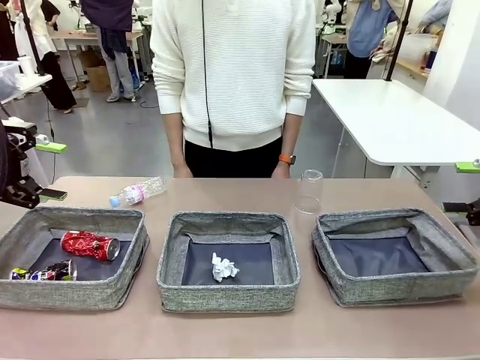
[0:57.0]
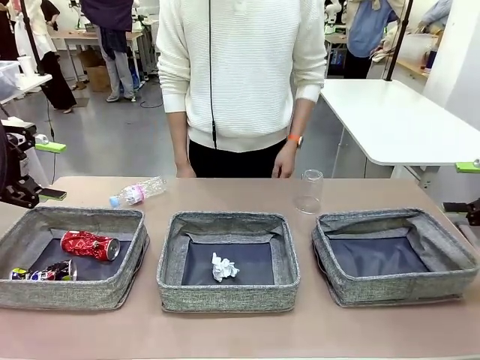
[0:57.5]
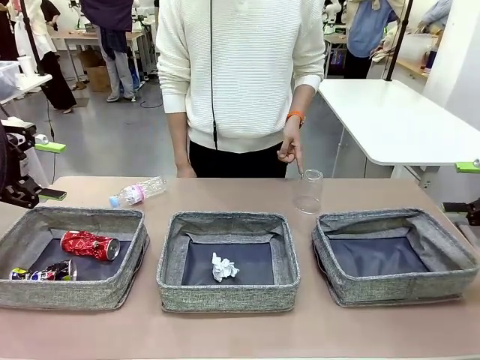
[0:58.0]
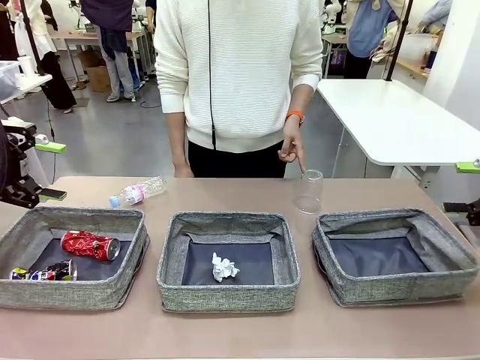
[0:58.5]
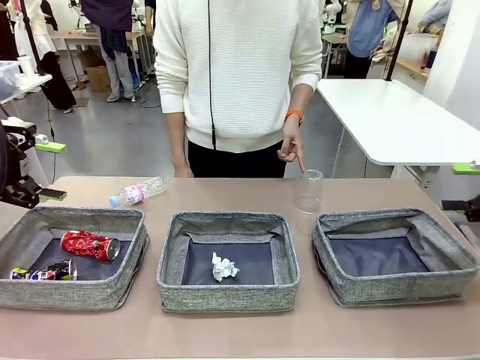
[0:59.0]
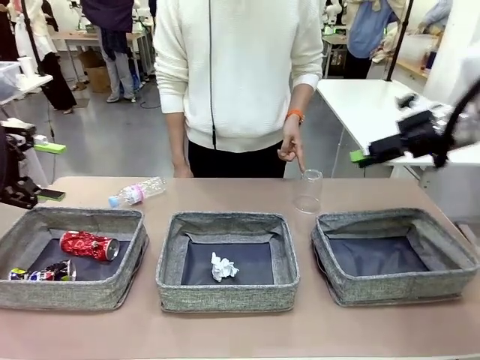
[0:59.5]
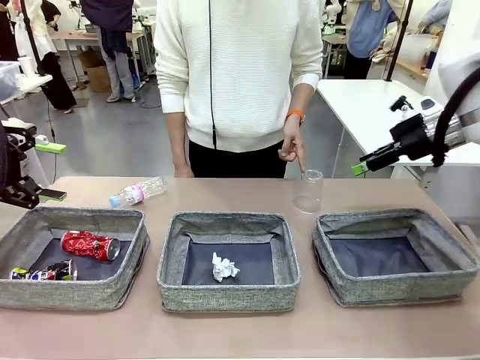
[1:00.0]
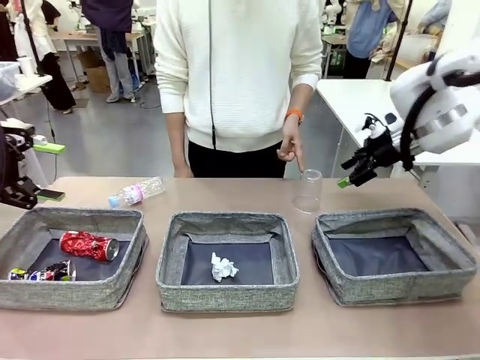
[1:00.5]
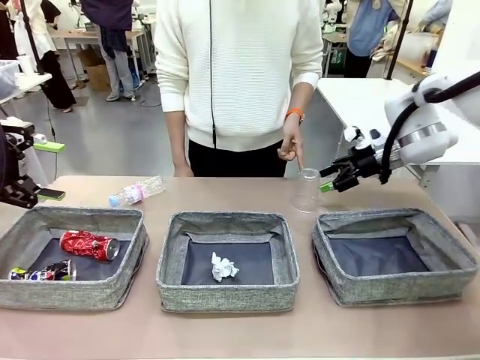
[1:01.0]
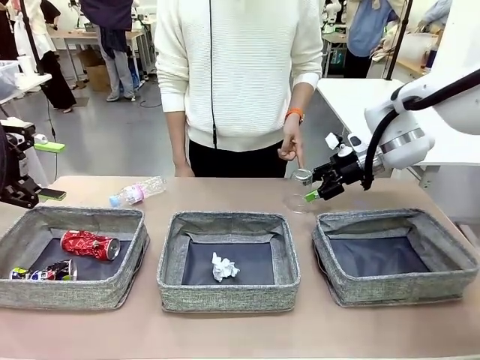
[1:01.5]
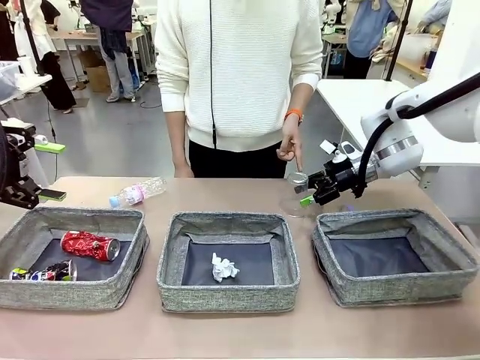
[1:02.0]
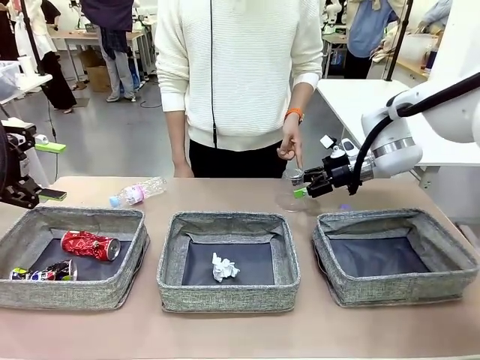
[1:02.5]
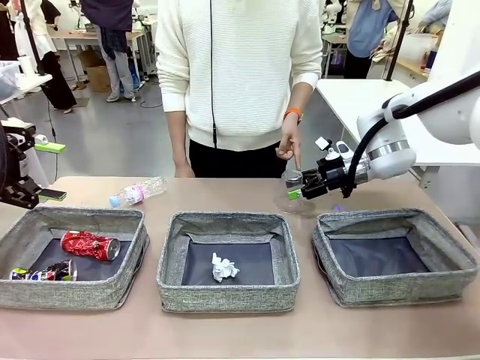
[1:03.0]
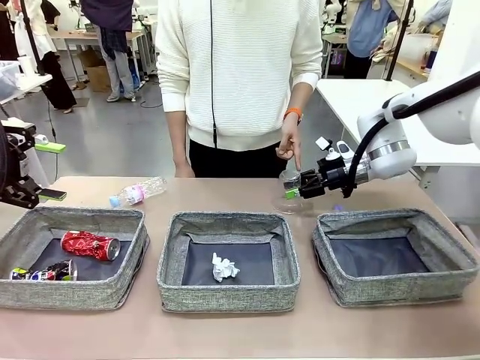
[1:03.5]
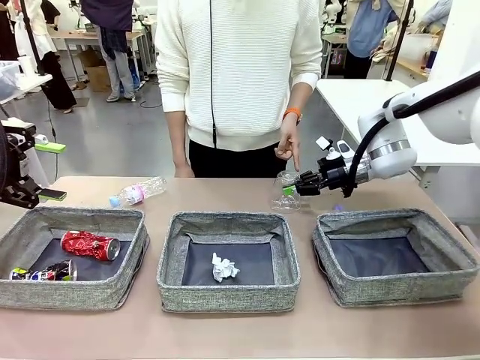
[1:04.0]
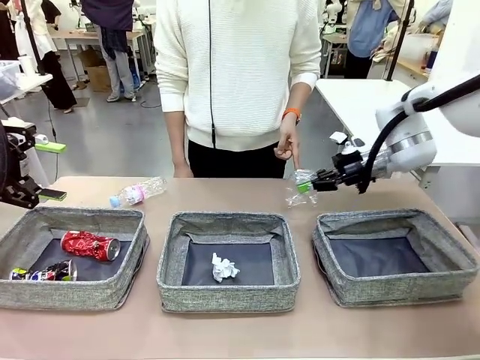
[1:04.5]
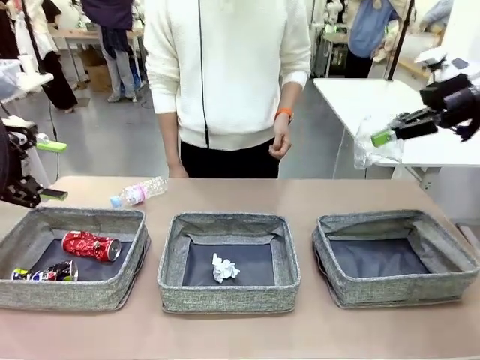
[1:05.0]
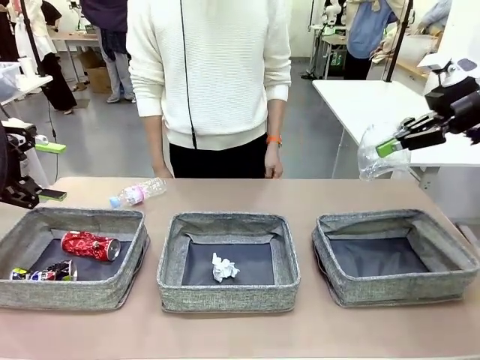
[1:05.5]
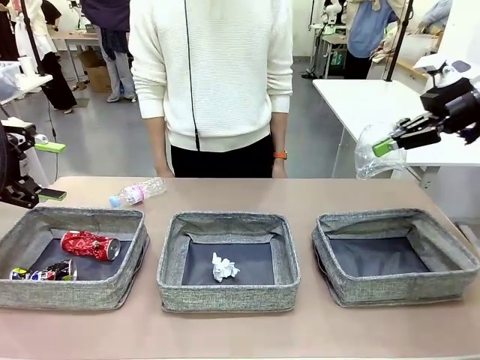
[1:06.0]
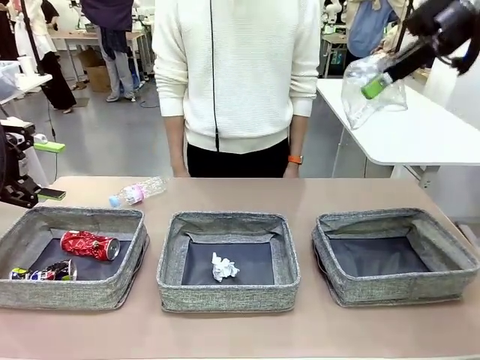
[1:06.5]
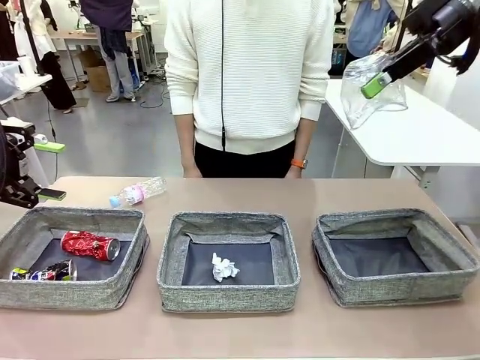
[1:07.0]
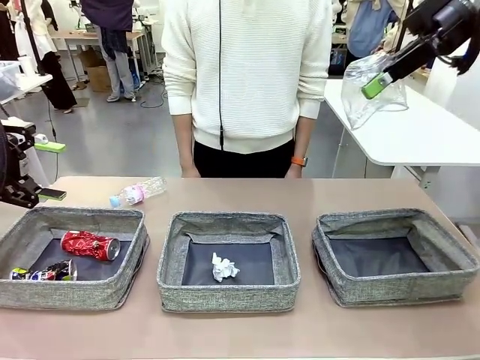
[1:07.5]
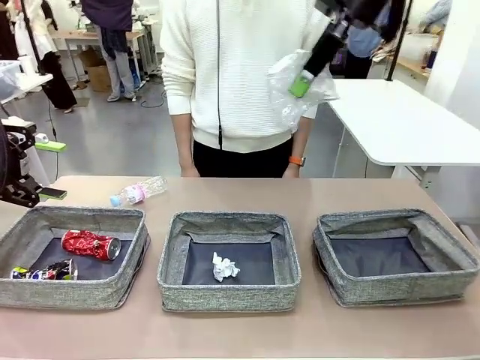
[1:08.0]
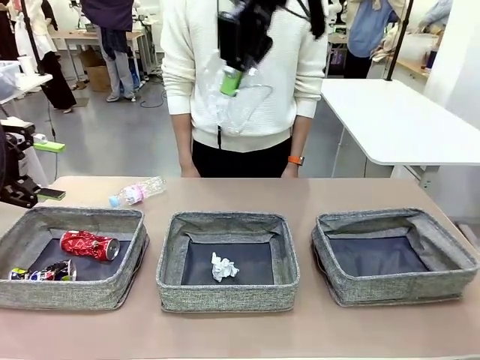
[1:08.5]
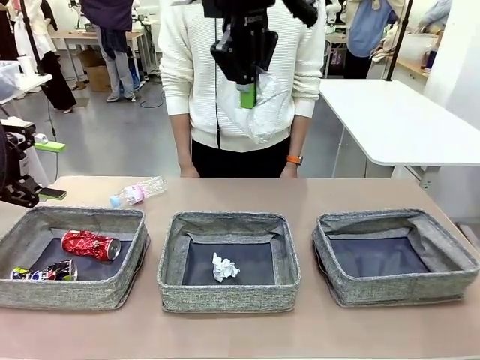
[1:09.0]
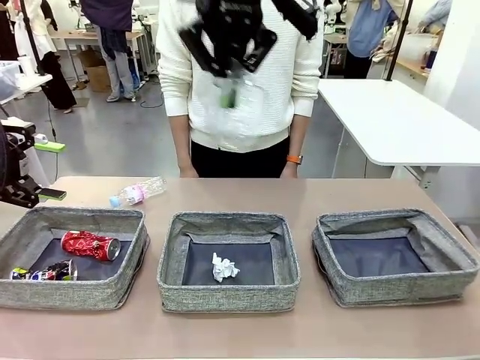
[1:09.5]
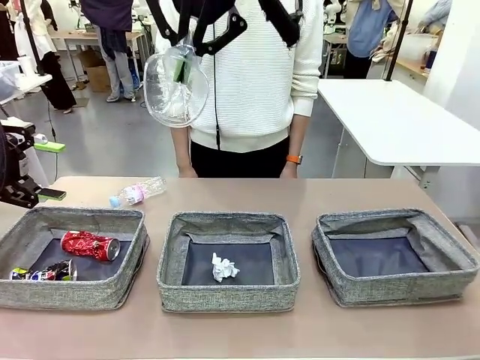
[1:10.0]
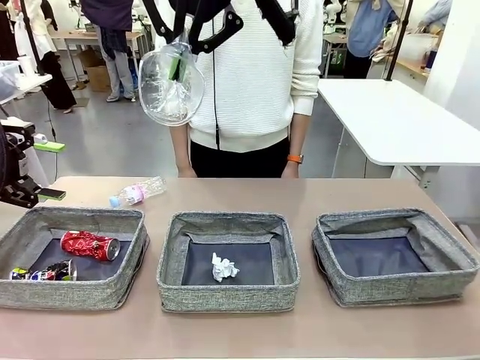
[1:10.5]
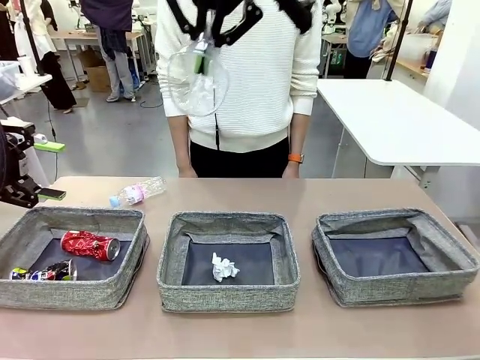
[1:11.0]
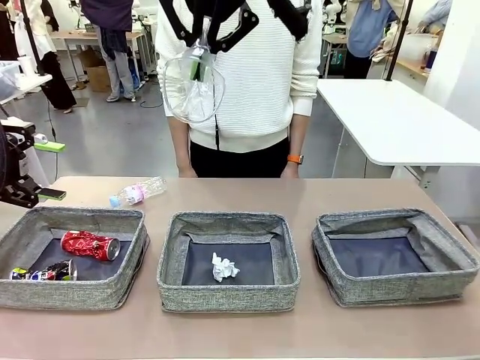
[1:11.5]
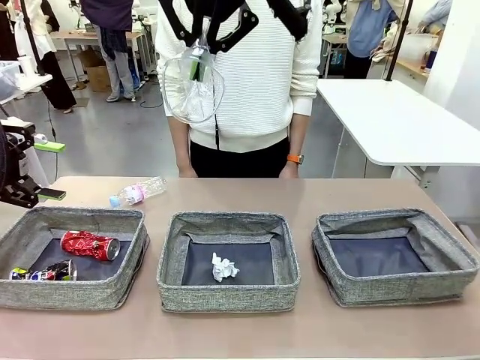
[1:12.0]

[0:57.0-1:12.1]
Task: Sort the waste into the appropriate baskets.
Robot: Pick up the waste item pointed out by the person.
Person: Points to one piece of trash on the table. Instructs the robot to place the picked-up trash into the appropriate organizing basket.

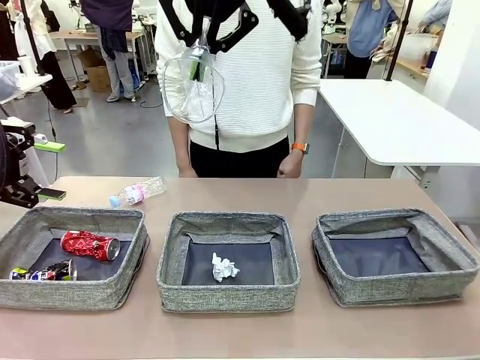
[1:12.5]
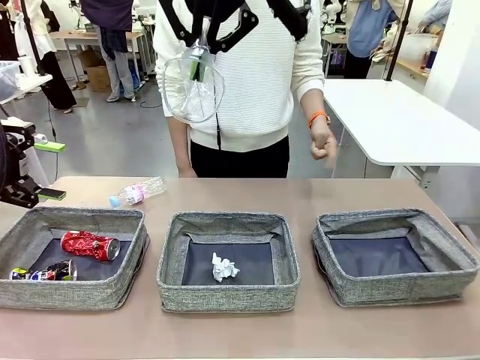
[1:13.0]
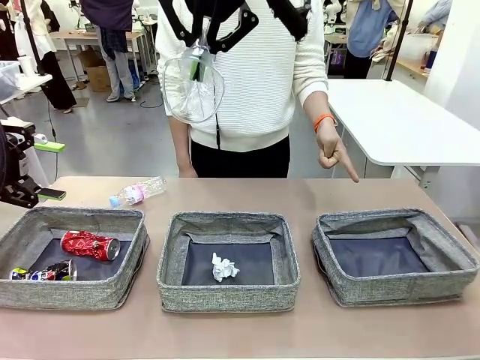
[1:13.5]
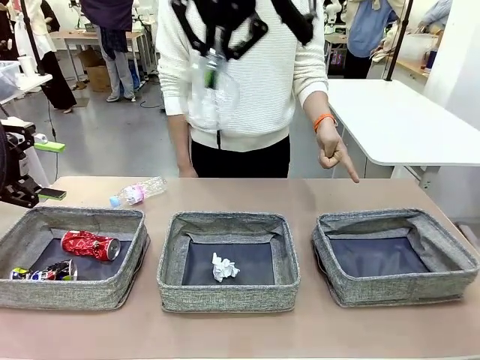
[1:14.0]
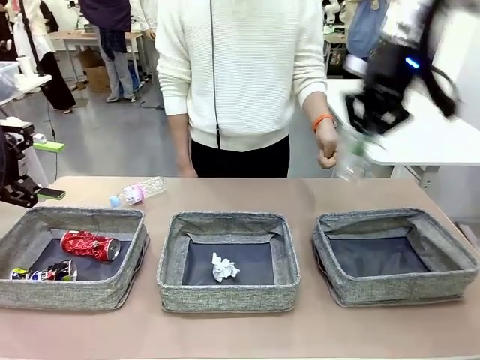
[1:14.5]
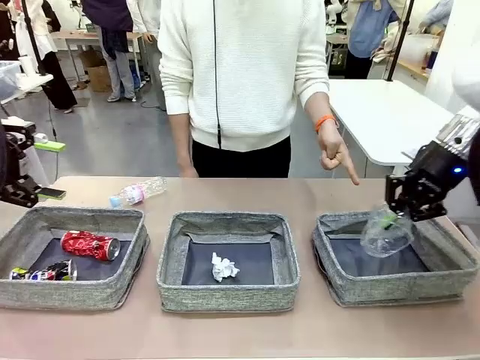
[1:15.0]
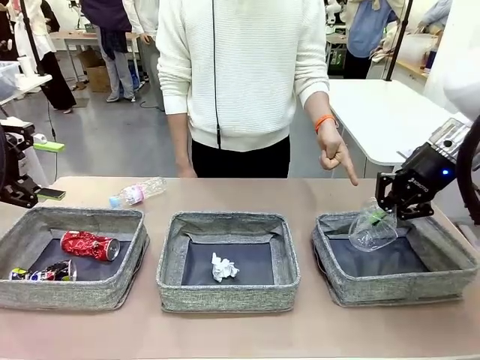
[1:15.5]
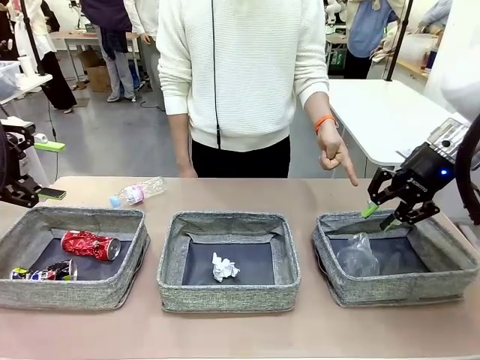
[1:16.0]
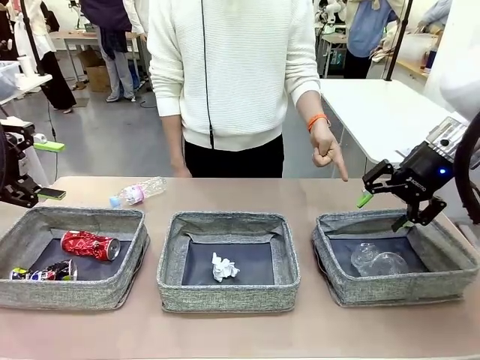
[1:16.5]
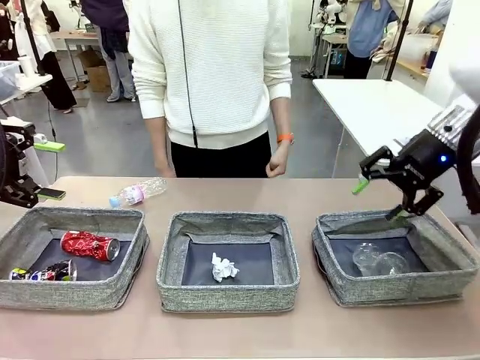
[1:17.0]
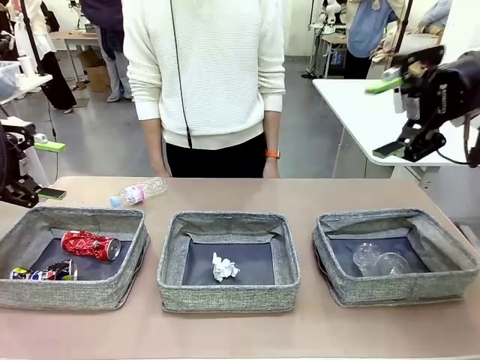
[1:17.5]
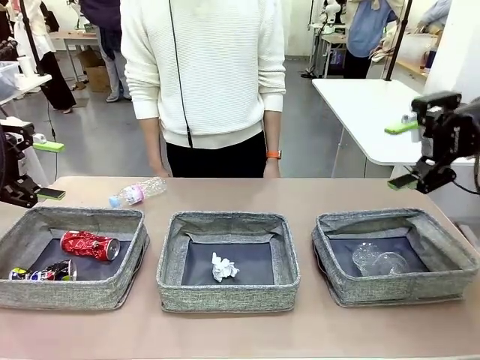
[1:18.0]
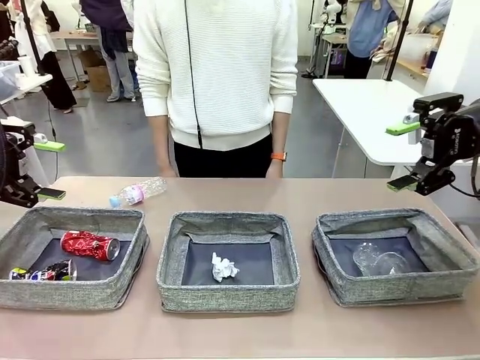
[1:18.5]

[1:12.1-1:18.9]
Robot: Place the picked waste into the Fabric basket indicated by the person.
